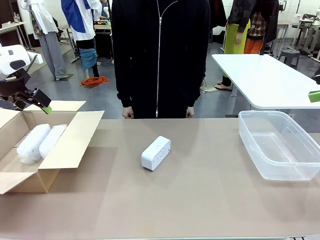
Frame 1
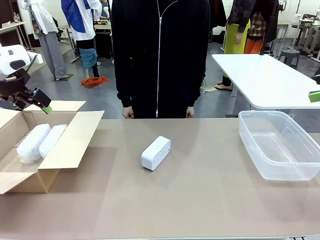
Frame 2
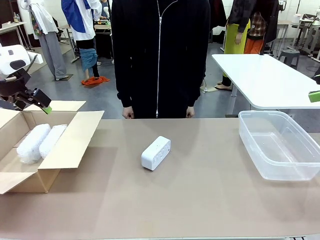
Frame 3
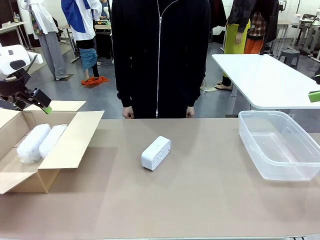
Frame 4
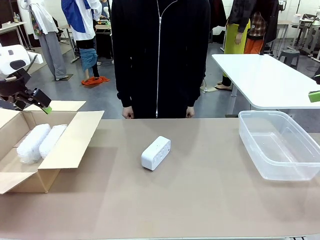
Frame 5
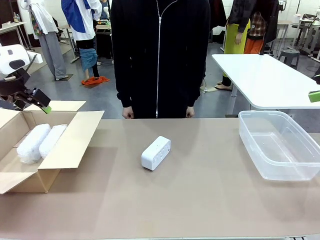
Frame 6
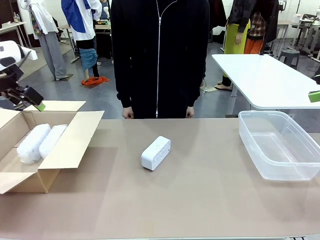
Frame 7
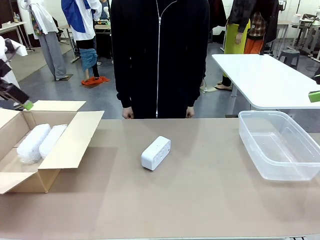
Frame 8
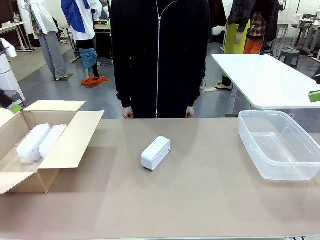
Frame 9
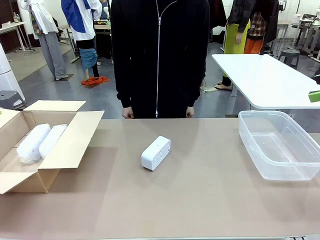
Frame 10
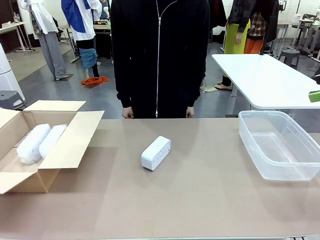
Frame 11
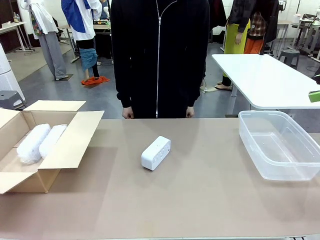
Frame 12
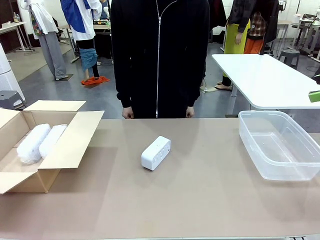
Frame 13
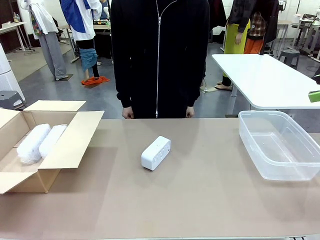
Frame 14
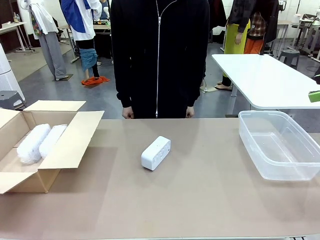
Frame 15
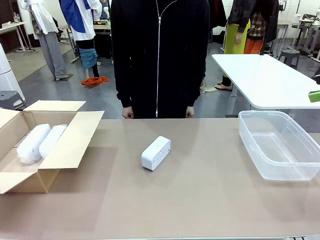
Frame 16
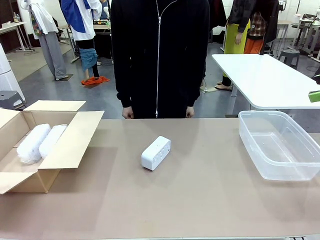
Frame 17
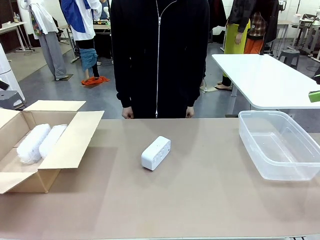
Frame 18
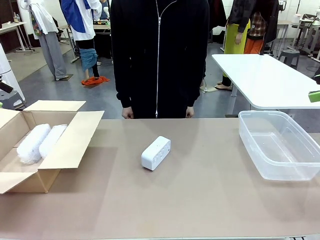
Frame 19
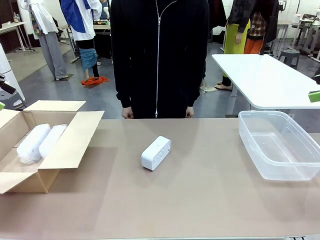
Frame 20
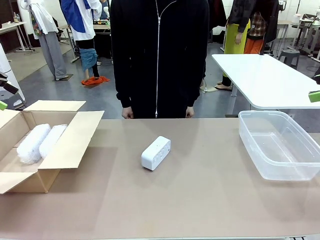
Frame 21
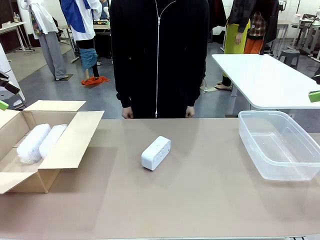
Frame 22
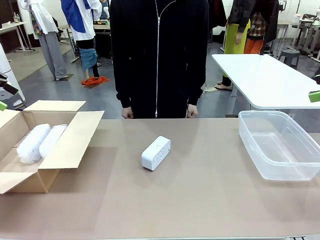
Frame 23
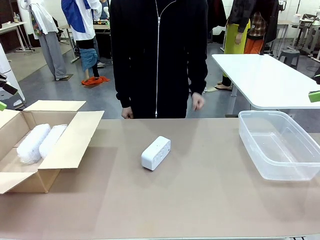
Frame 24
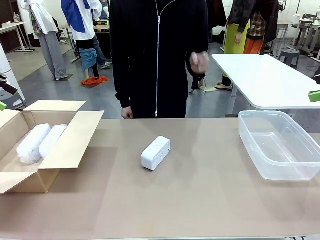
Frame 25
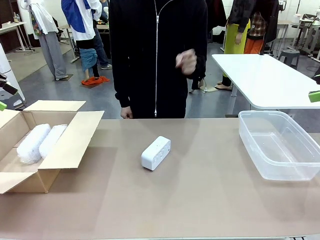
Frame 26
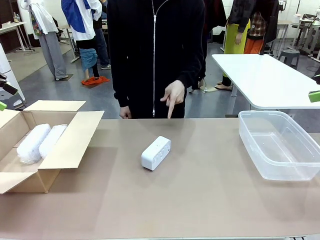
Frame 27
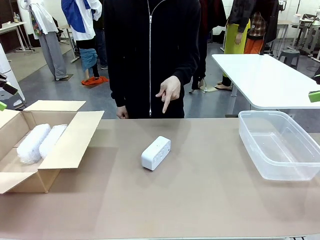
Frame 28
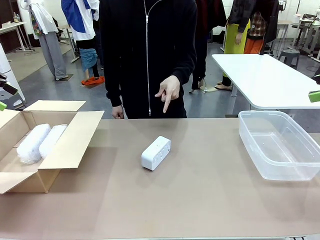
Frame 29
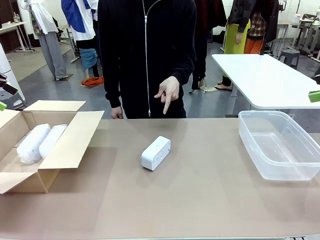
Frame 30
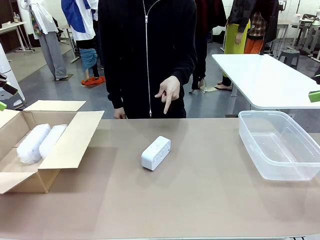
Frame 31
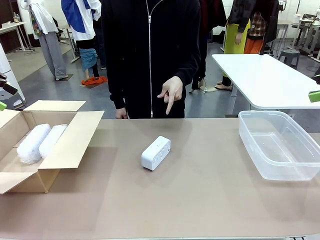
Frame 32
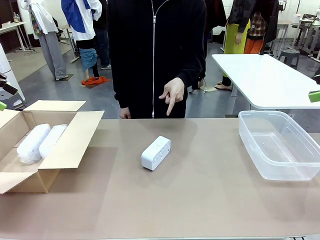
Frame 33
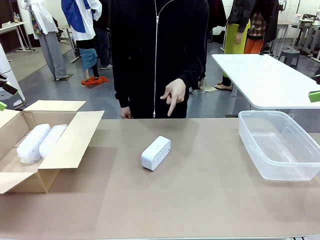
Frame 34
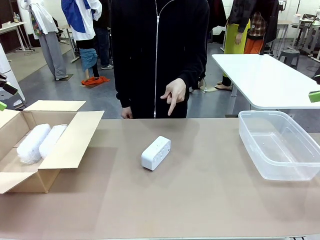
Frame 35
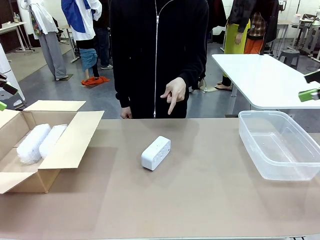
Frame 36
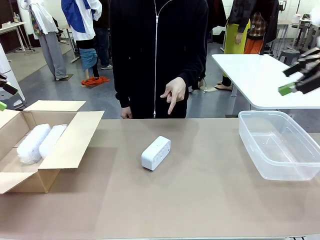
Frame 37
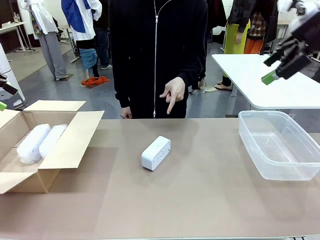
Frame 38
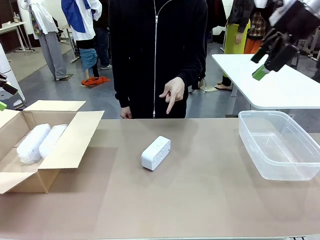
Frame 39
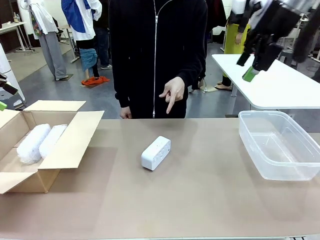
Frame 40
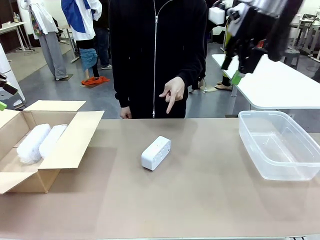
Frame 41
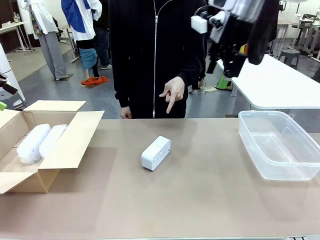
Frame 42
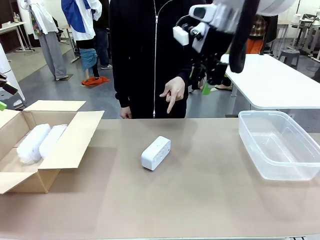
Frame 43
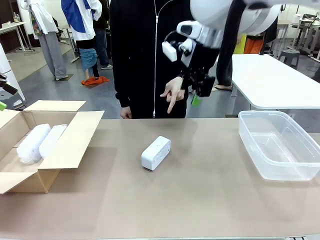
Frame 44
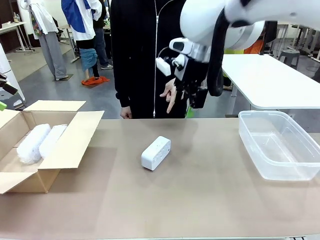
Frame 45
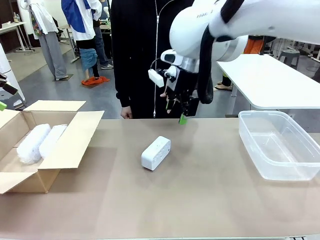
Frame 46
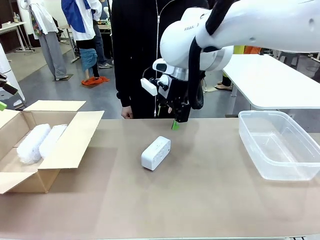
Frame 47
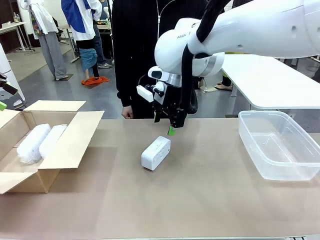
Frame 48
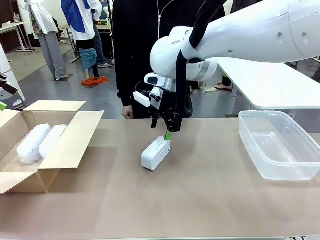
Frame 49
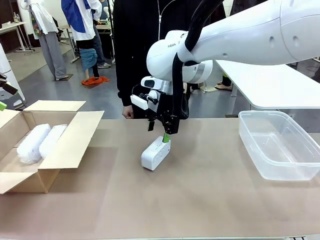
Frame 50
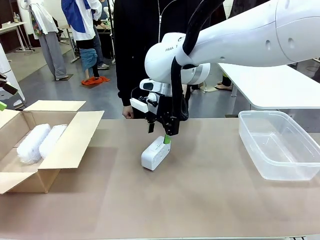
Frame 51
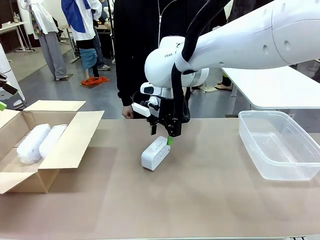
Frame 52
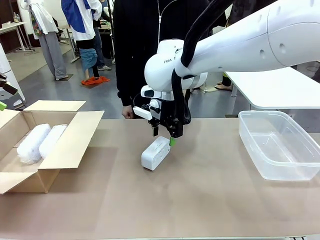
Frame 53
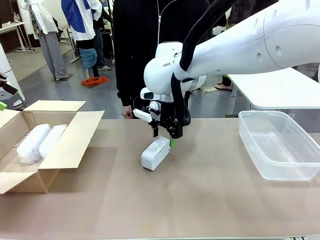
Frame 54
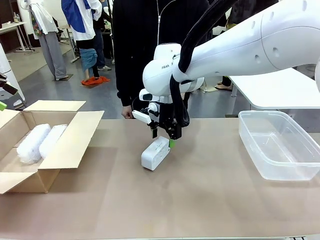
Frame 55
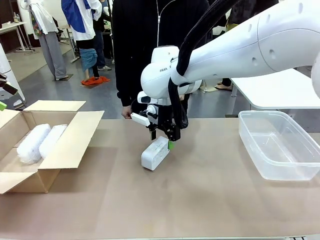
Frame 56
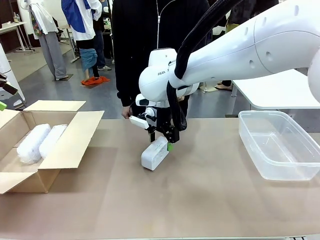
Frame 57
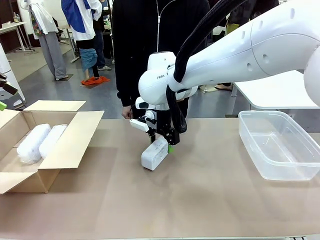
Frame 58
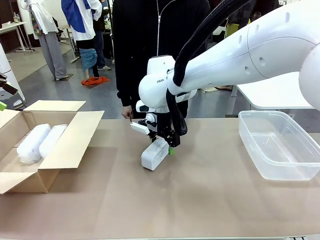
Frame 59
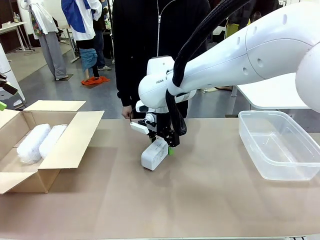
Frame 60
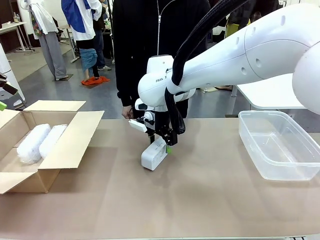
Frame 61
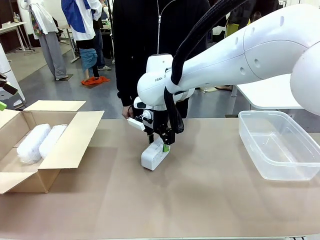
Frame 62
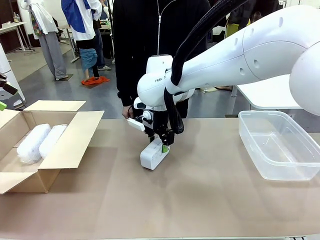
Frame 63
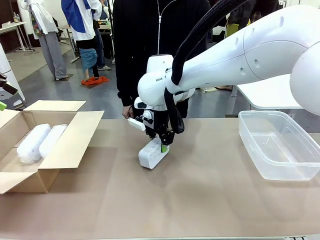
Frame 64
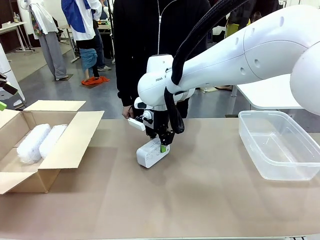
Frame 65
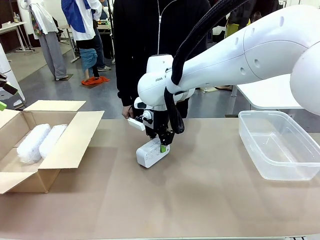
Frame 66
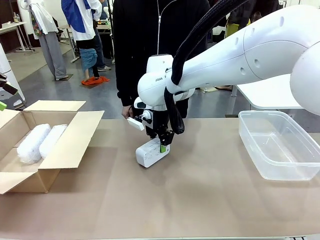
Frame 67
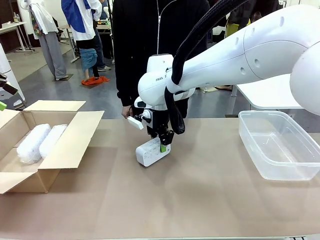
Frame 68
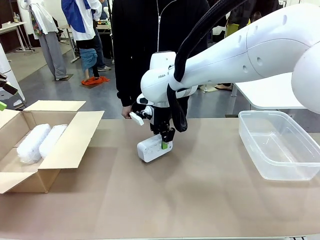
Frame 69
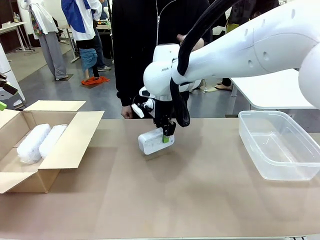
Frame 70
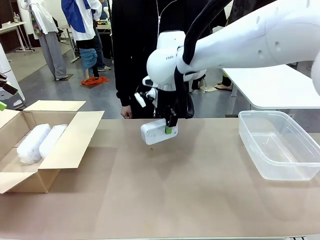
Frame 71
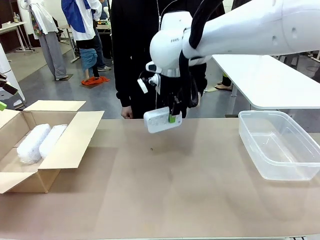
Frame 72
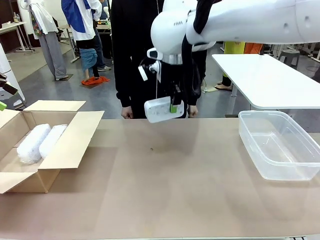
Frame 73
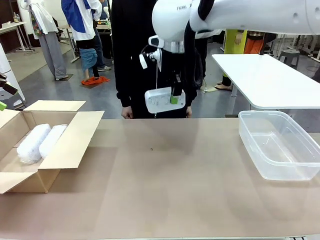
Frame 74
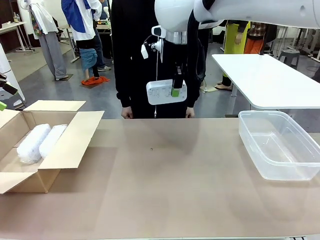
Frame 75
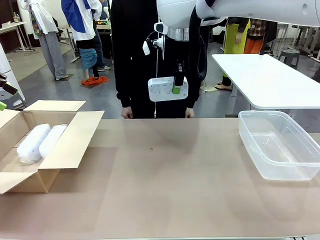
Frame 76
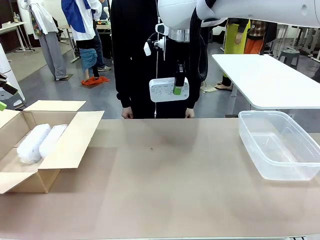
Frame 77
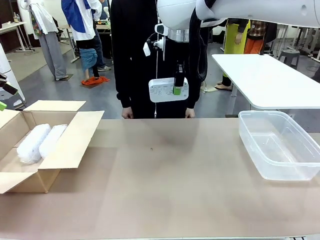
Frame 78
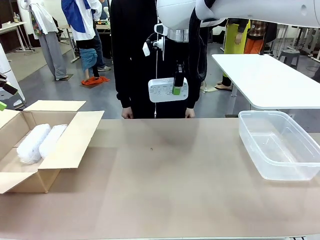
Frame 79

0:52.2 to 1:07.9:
Task: Separate and place wrapped and unwrapped clocks.
Robot: Pick up the Digital clock indicated by the person.

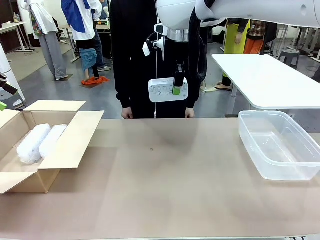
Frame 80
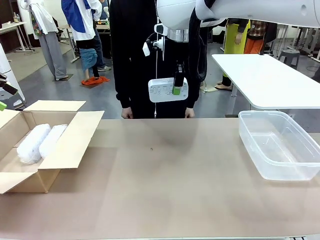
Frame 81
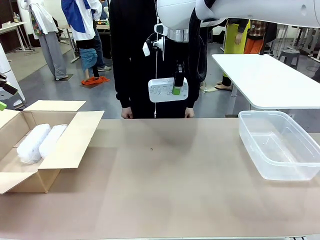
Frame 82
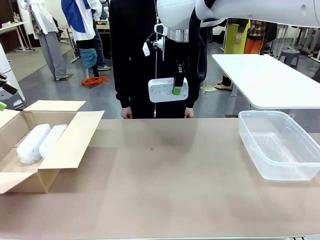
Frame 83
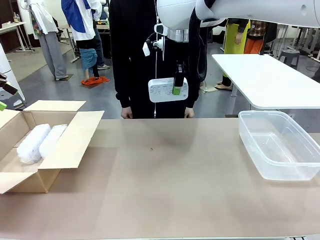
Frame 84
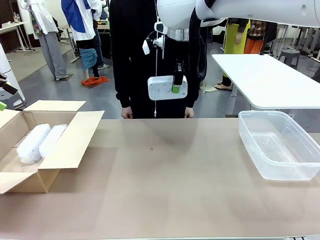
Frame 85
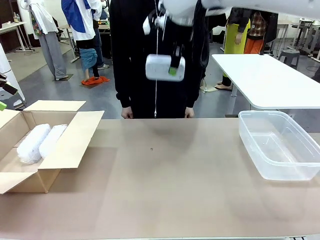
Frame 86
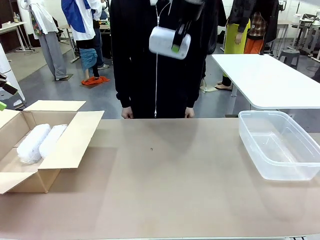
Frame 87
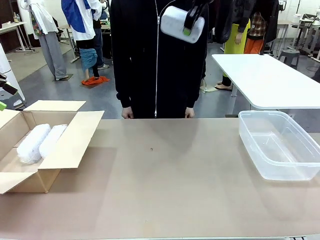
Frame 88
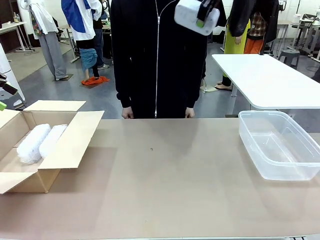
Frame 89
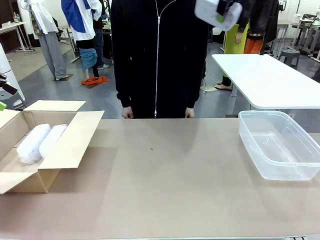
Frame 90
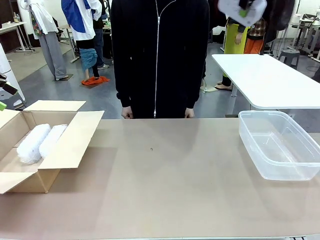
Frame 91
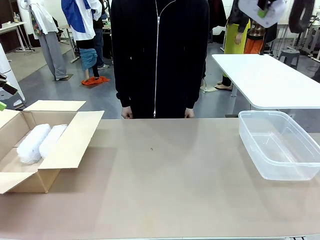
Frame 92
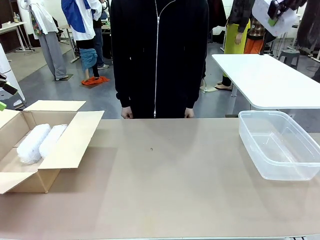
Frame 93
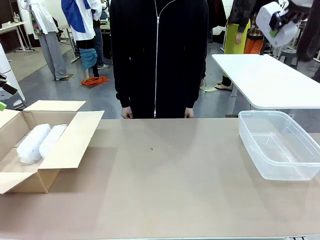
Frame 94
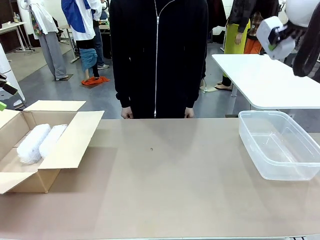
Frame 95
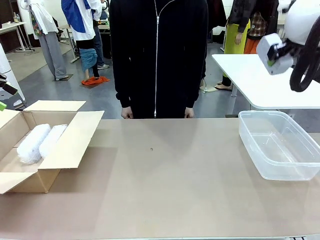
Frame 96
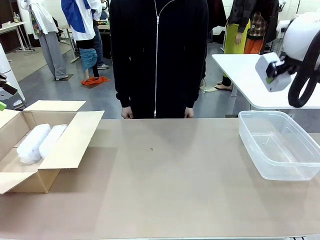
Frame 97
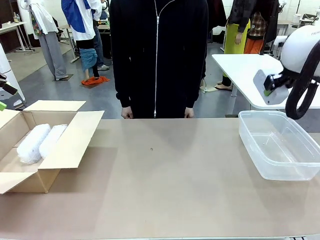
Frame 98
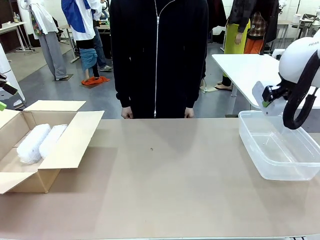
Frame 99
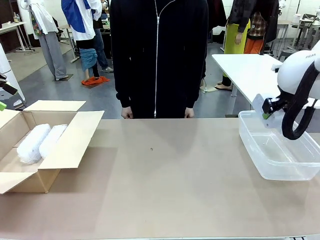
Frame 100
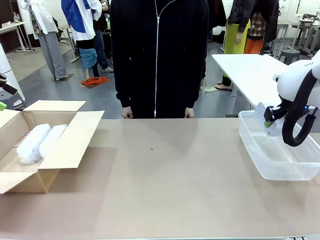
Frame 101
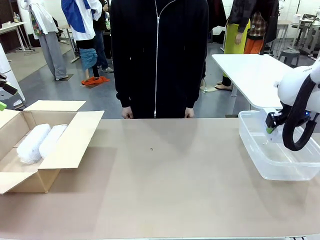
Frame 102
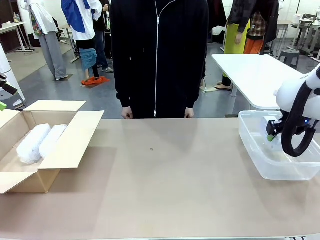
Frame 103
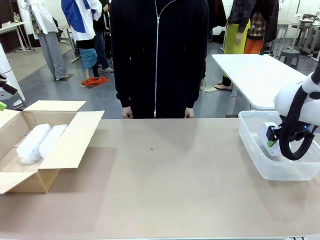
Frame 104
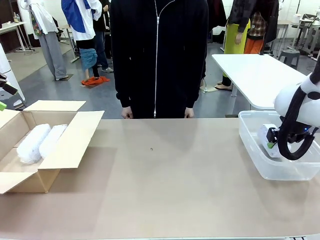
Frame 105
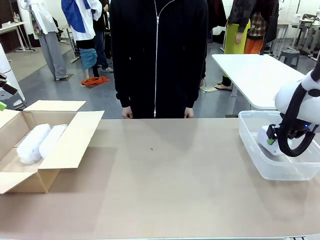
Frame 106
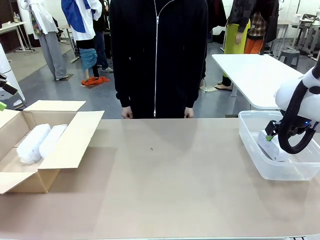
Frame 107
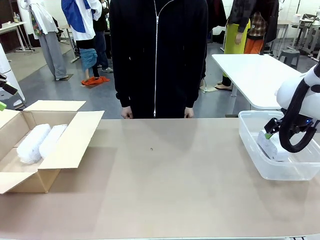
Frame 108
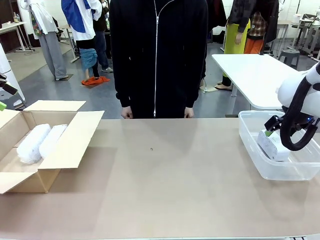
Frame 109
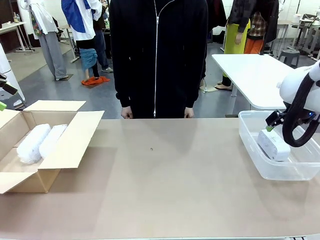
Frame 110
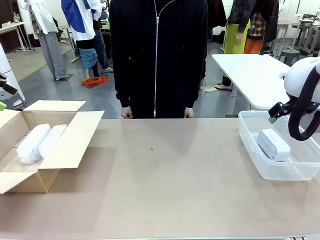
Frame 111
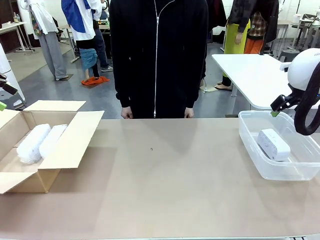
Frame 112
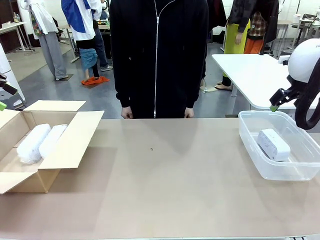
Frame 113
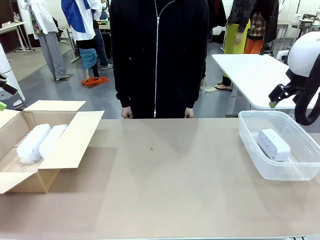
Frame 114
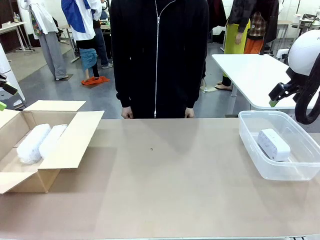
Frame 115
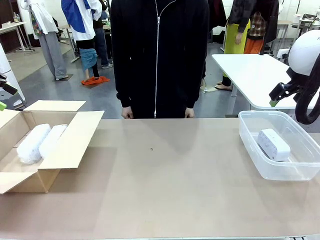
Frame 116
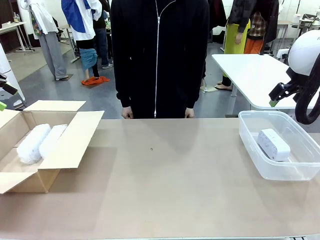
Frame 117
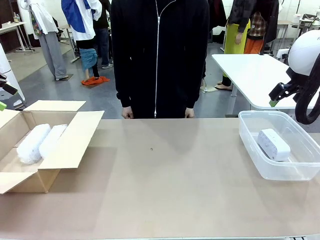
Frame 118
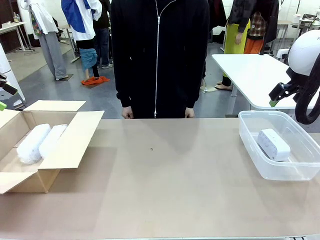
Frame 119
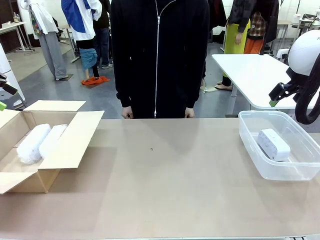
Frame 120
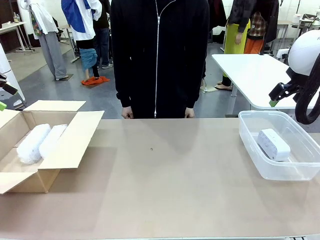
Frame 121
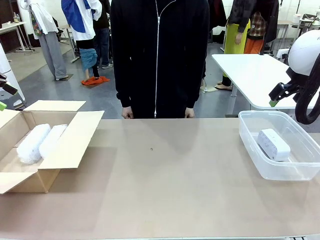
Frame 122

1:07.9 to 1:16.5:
Robot: If the picked Digital clock is wrapped, place it in the Package Box ; if not, place it in the Organizing box.
